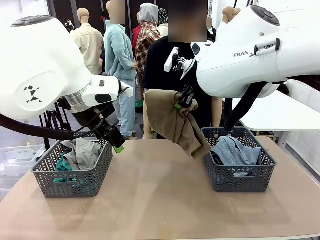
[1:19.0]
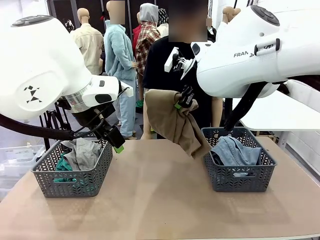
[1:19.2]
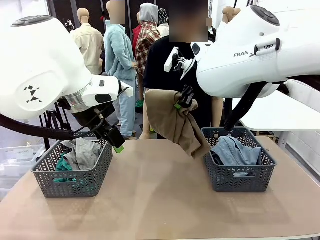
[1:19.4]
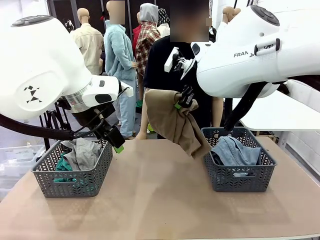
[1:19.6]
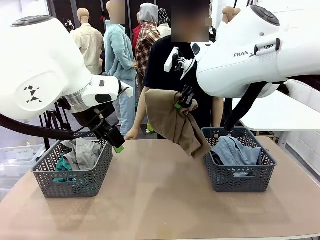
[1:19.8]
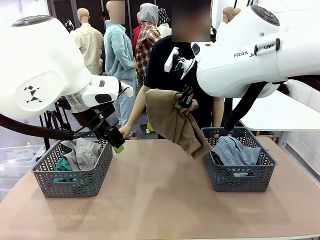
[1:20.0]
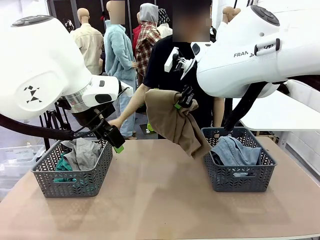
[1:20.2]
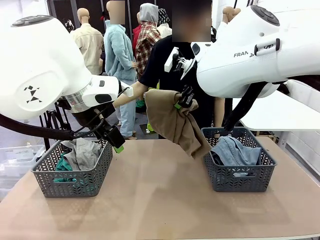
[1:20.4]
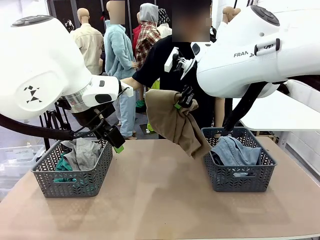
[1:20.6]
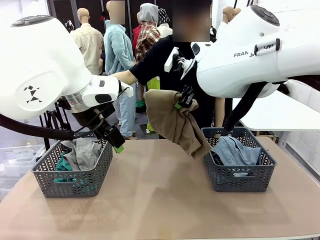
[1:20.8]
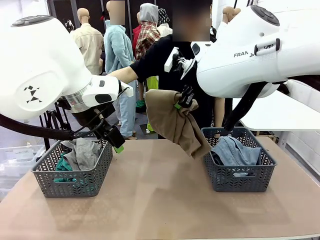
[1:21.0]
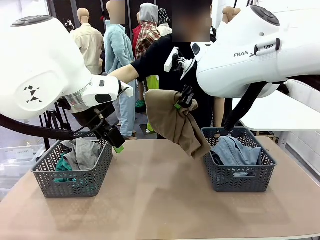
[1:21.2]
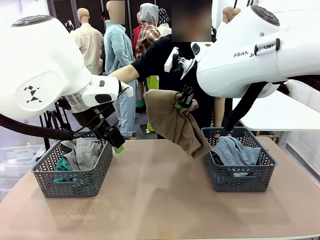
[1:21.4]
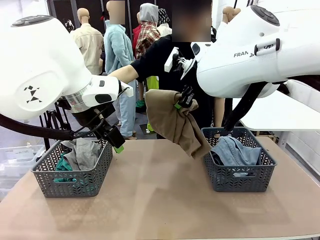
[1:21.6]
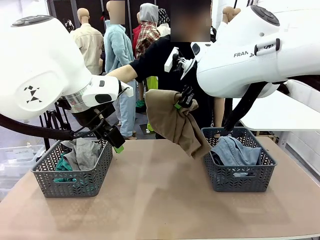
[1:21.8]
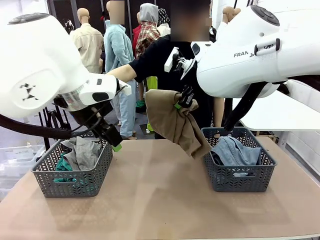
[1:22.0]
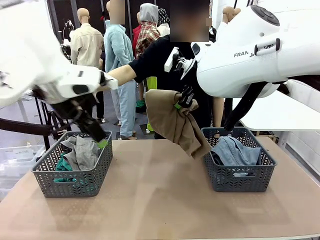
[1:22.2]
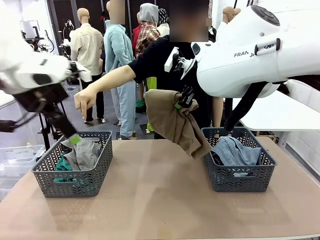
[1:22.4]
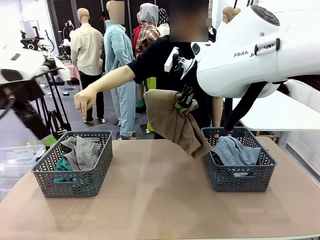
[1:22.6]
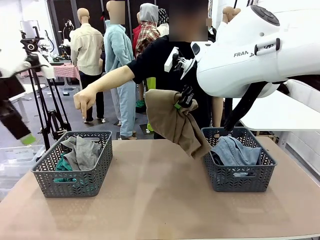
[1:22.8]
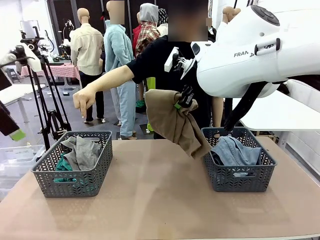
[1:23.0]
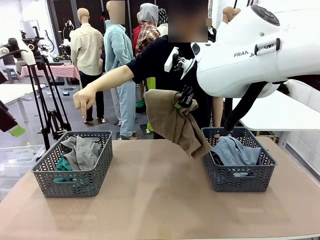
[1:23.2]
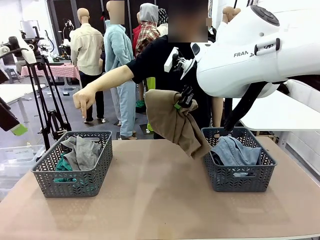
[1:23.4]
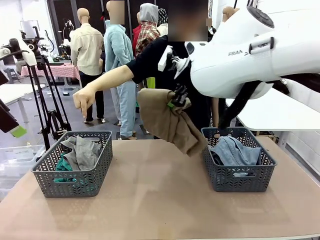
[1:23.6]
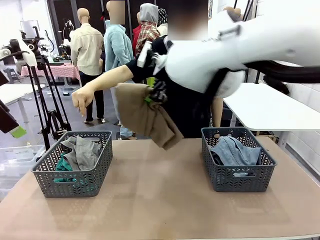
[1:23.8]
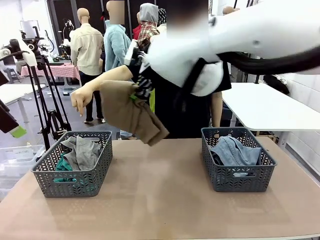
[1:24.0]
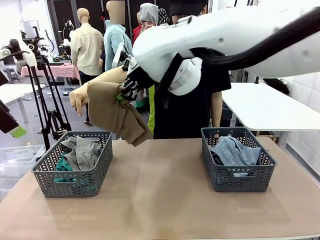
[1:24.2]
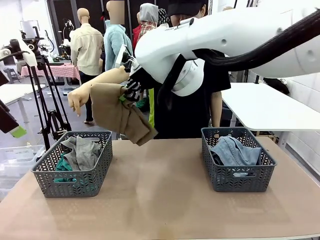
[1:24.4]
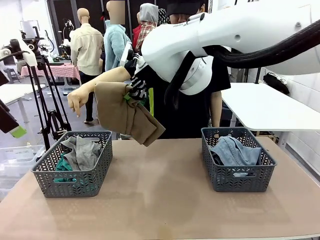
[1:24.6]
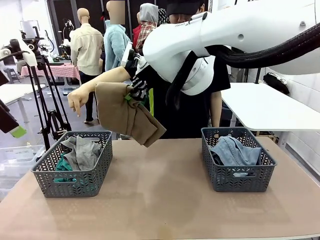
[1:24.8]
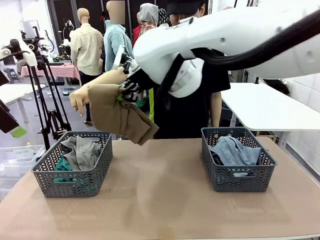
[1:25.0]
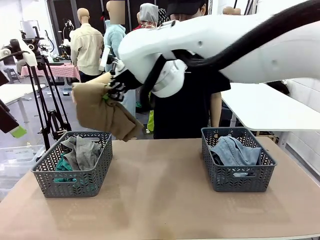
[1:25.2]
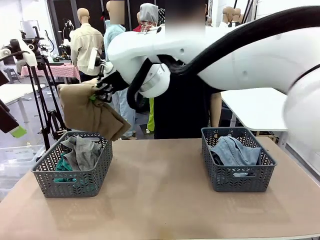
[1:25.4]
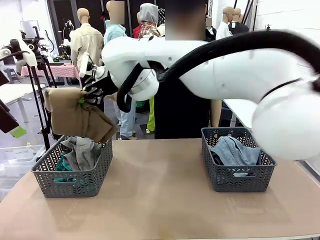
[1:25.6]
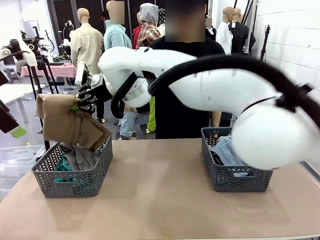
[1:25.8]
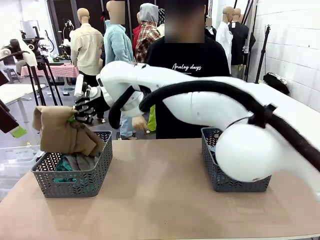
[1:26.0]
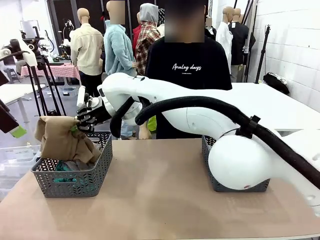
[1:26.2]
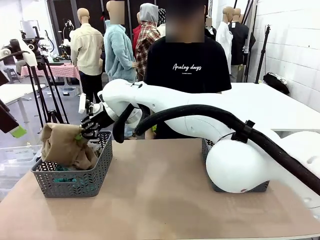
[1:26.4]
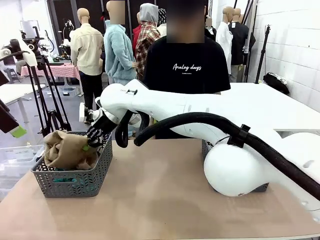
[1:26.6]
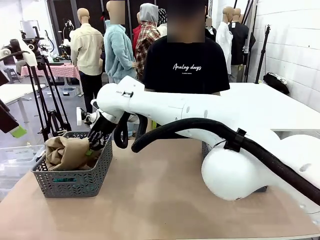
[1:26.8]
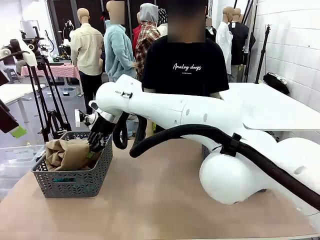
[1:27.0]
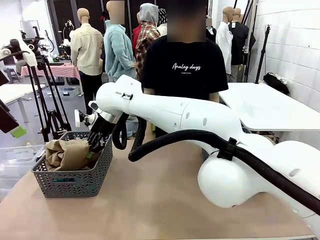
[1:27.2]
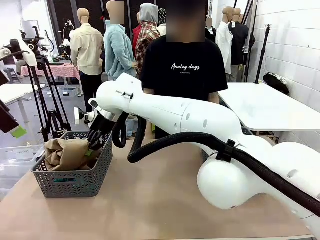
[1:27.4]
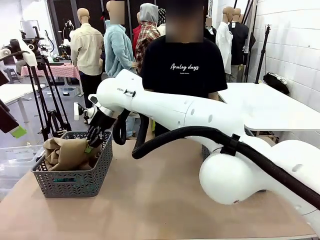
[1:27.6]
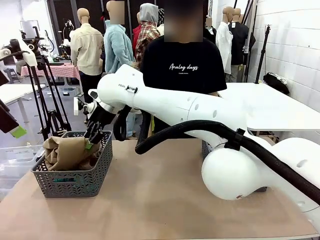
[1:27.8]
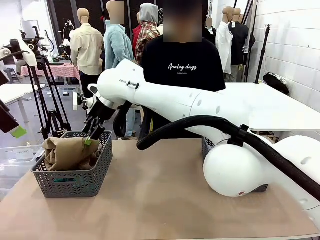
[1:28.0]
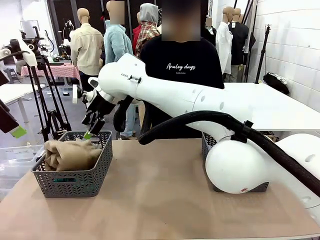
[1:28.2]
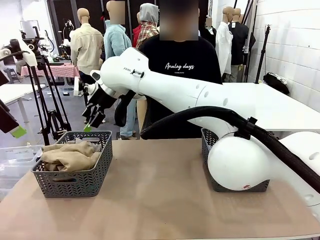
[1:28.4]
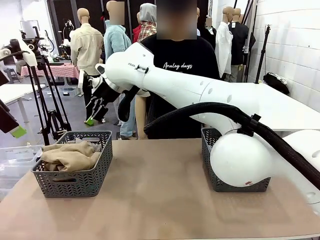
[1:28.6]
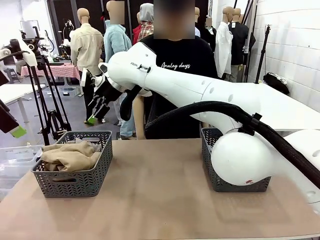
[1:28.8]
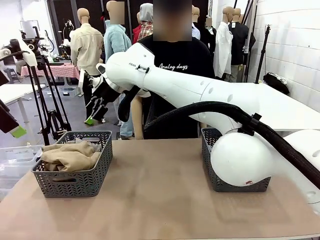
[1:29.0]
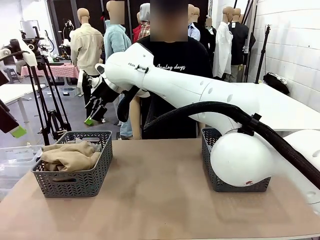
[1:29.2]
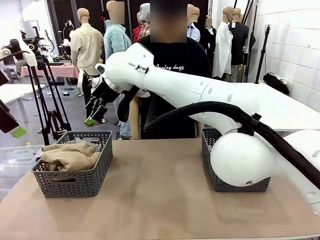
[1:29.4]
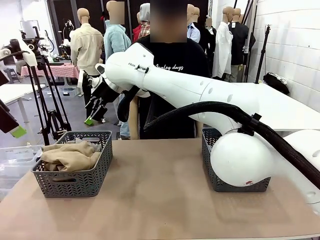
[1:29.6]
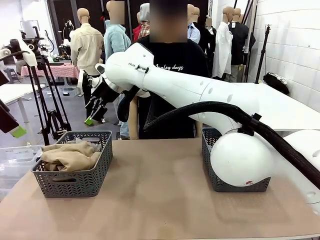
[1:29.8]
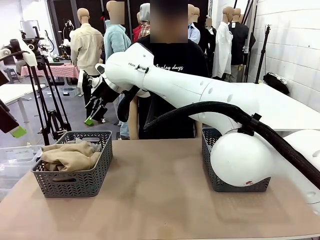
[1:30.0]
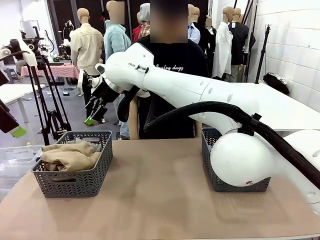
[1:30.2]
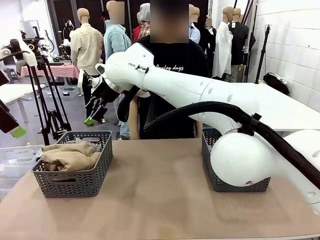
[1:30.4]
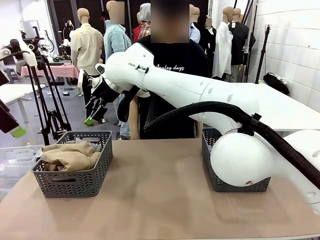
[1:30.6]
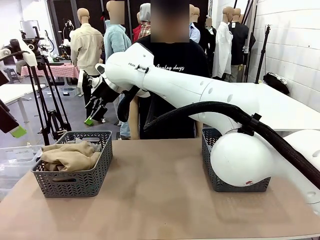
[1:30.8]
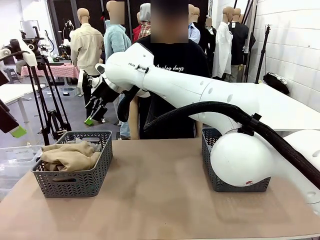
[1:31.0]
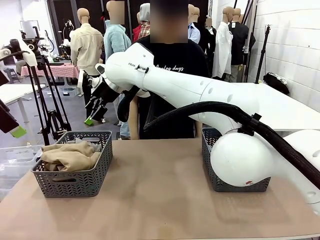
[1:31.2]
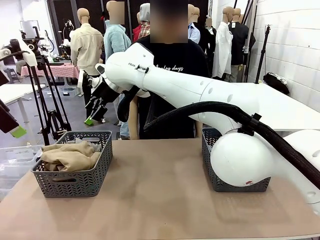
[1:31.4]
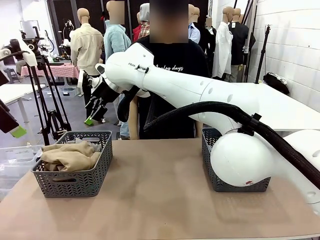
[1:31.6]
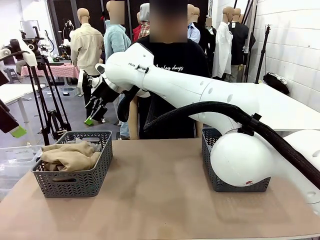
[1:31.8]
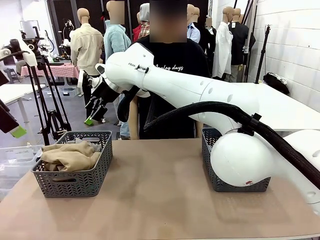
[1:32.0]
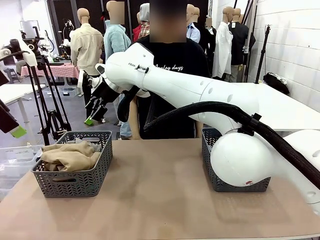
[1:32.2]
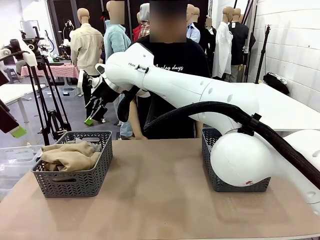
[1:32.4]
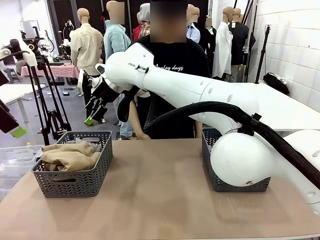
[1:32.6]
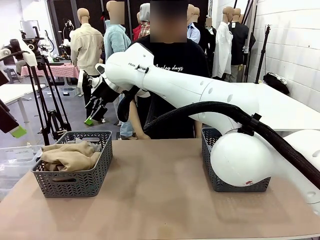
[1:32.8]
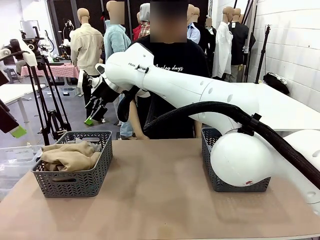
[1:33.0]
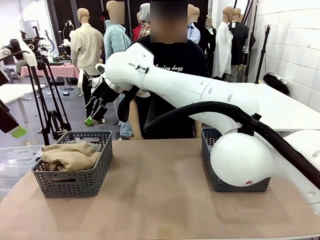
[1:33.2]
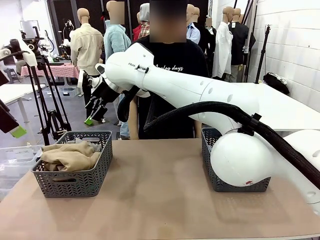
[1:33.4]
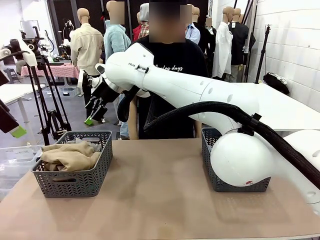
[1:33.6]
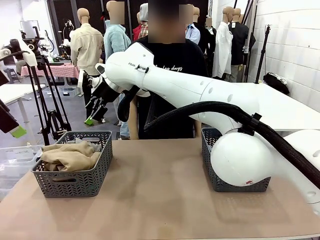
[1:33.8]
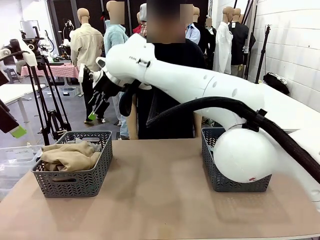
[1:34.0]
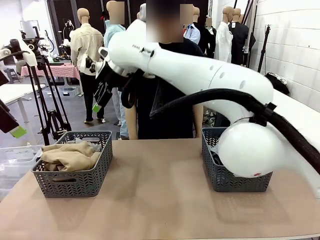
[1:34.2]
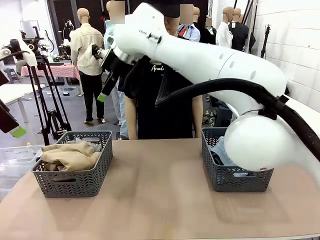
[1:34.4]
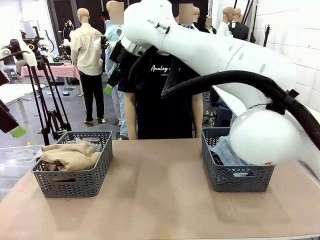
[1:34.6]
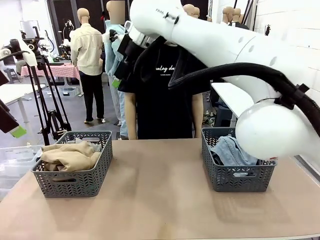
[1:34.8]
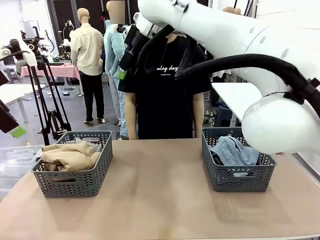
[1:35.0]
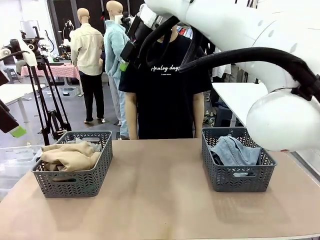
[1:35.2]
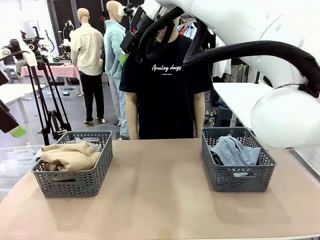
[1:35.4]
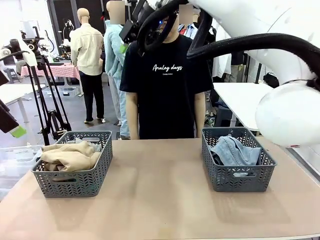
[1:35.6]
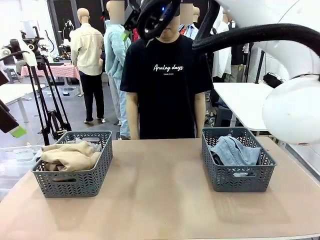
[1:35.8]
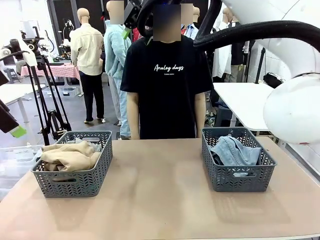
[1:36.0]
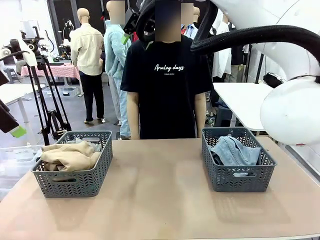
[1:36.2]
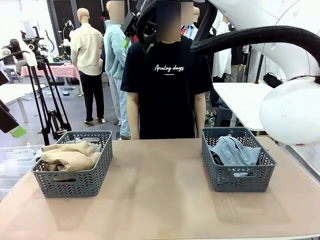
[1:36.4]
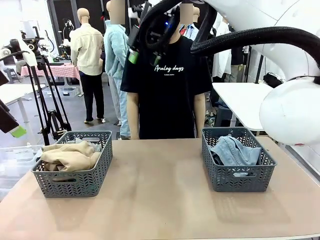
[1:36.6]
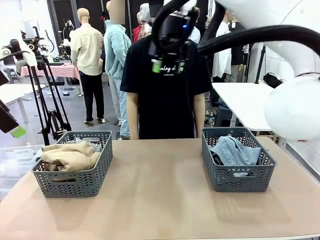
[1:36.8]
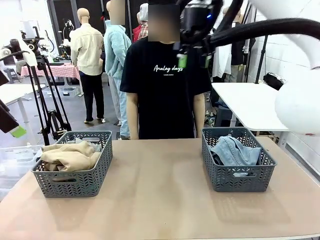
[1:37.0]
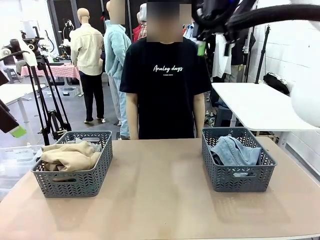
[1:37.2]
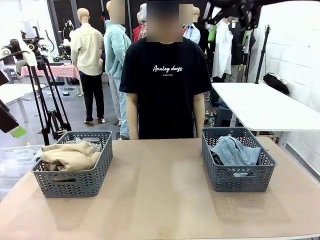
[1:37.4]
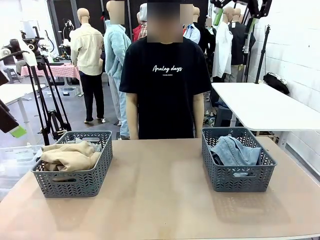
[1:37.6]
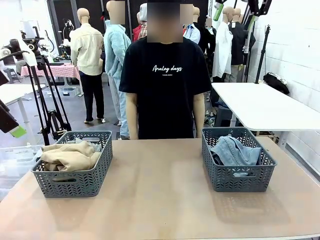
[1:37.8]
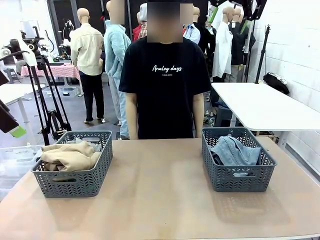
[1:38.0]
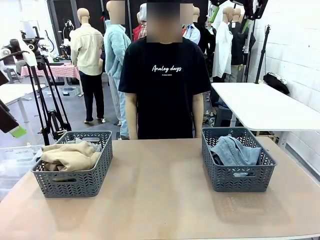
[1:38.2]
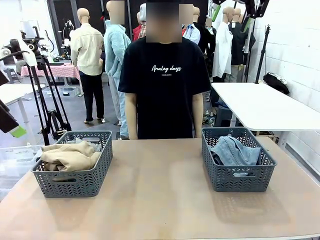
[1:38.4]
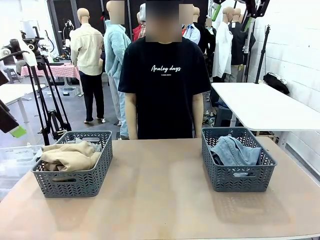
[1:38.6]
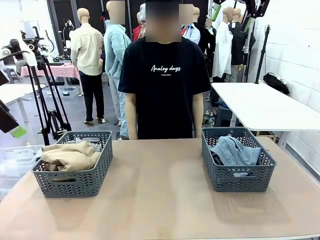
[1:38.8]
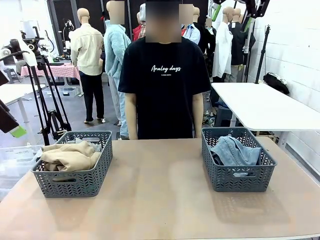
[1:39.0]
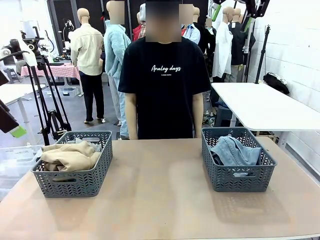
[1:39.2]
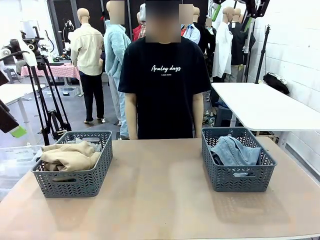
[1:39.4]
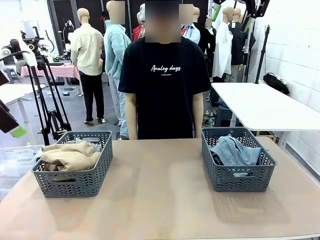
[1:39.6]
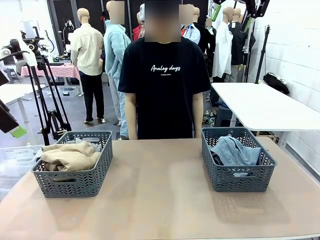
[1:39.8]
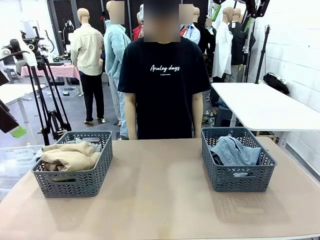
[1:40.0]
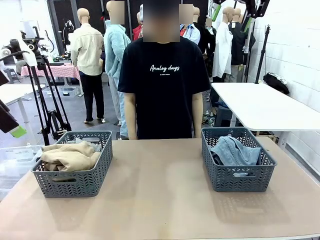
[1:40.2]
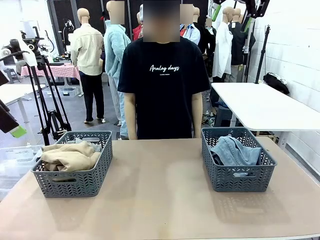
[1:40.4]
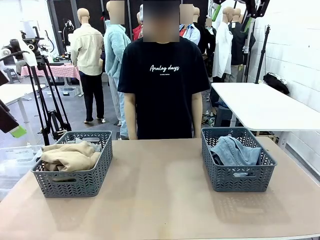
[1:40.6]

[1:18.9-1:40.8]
Task: Sort the tops and bottoms.
Robot: Sort the clothes according to human instructions.
